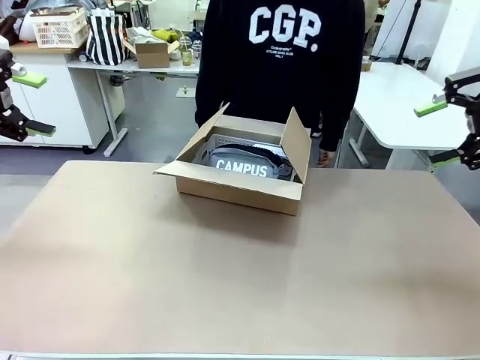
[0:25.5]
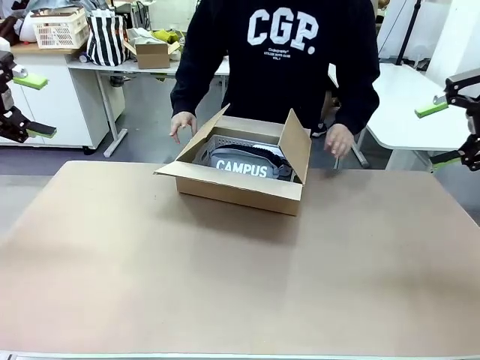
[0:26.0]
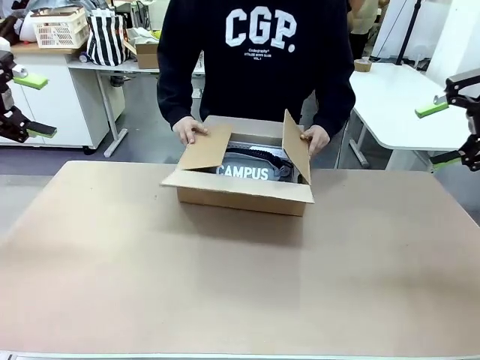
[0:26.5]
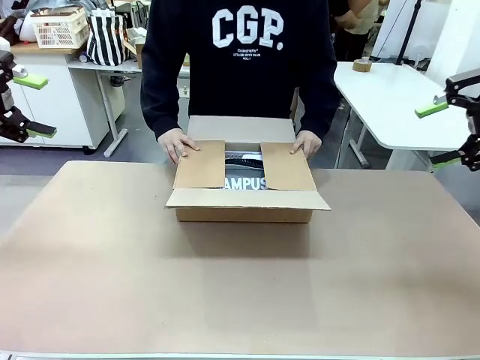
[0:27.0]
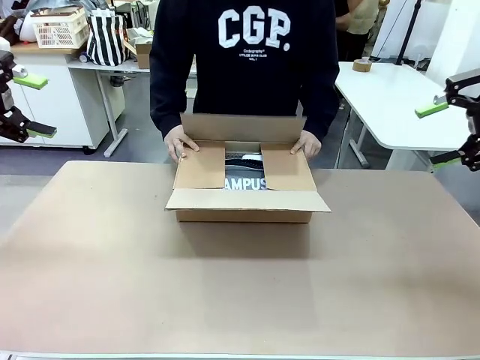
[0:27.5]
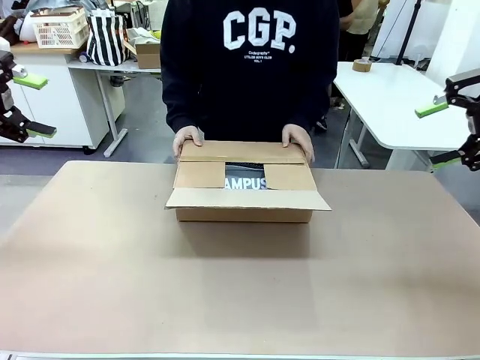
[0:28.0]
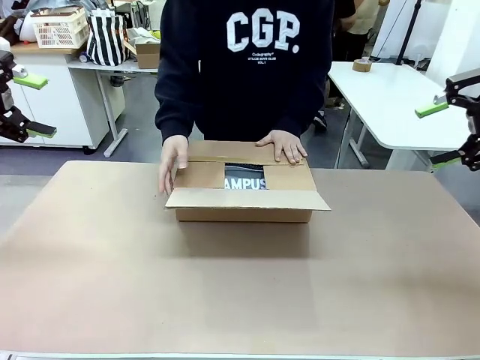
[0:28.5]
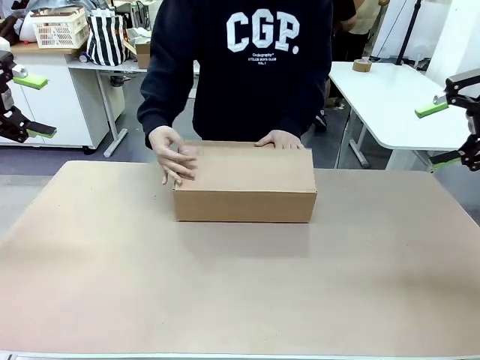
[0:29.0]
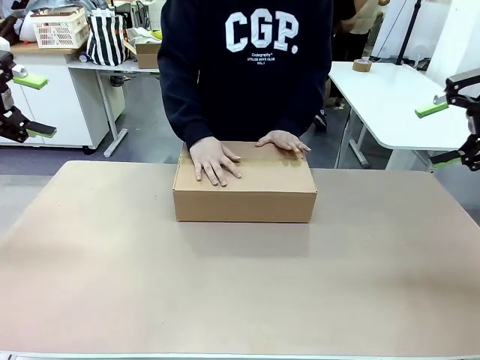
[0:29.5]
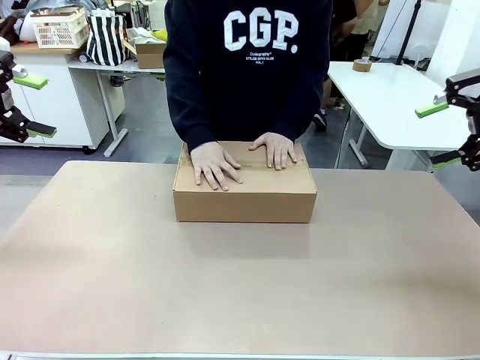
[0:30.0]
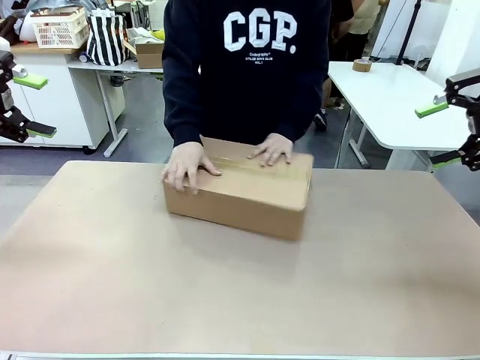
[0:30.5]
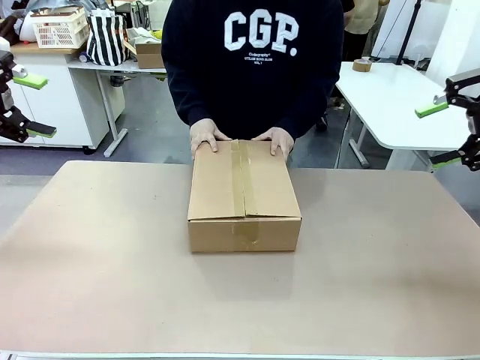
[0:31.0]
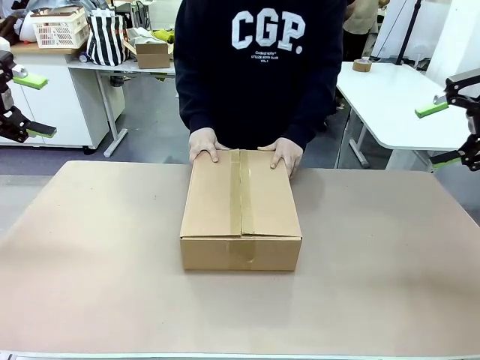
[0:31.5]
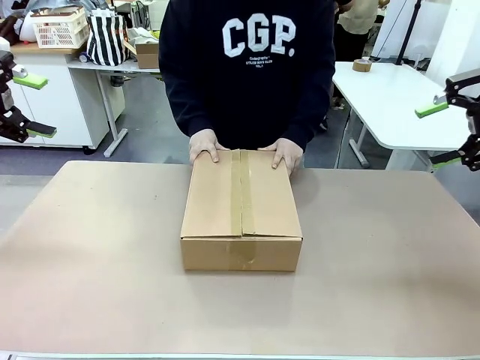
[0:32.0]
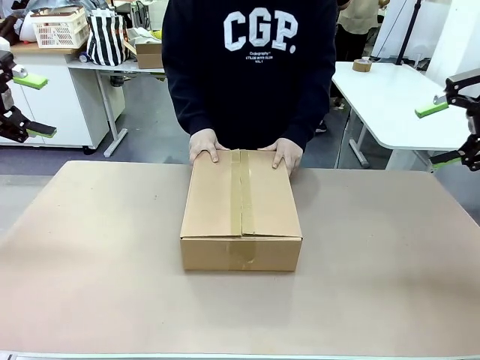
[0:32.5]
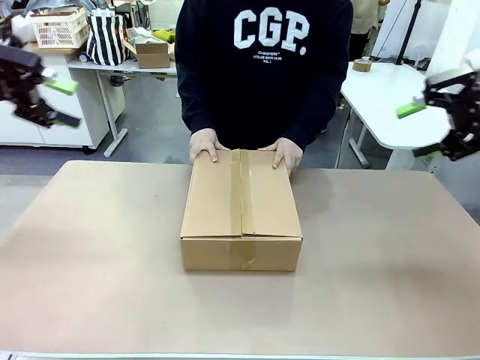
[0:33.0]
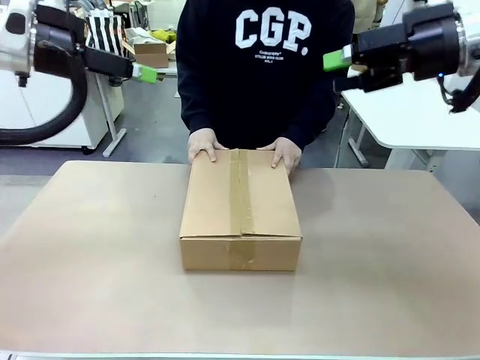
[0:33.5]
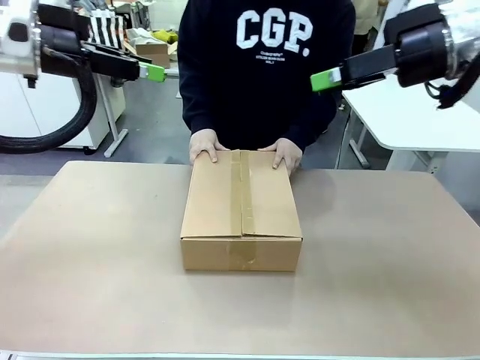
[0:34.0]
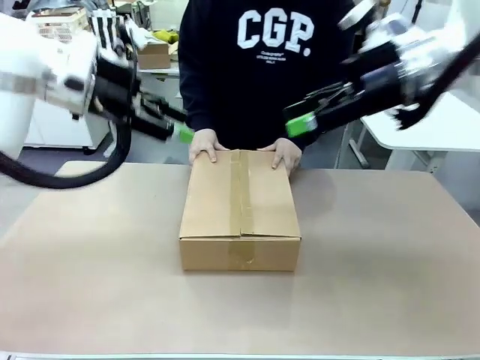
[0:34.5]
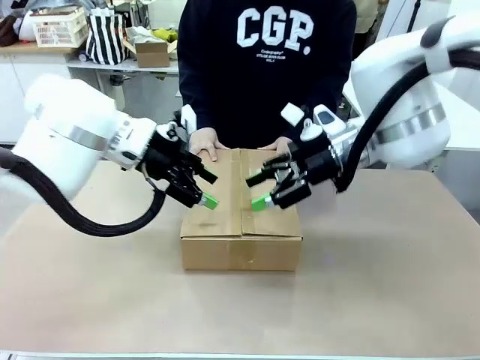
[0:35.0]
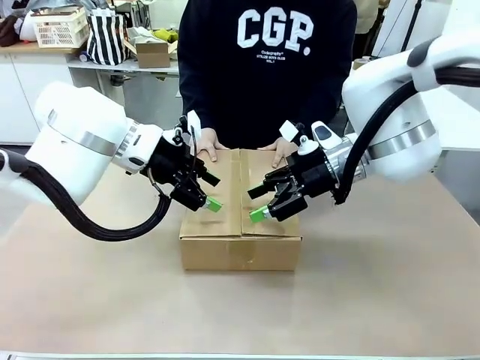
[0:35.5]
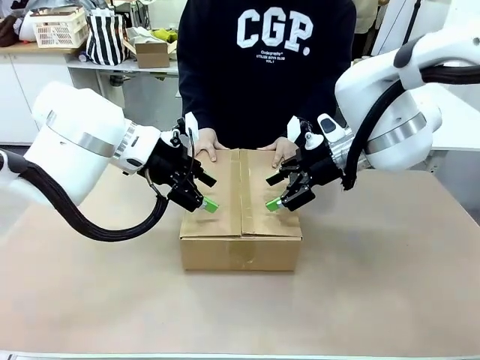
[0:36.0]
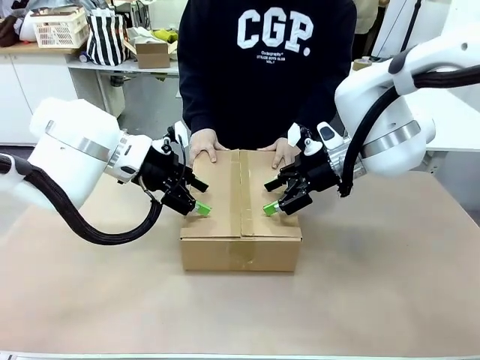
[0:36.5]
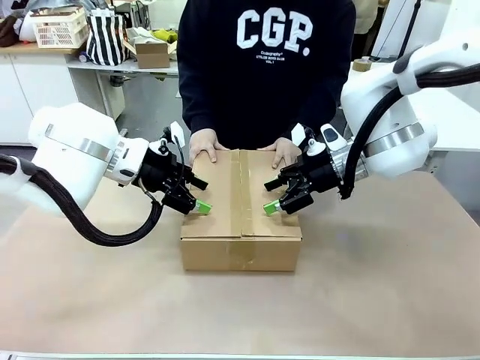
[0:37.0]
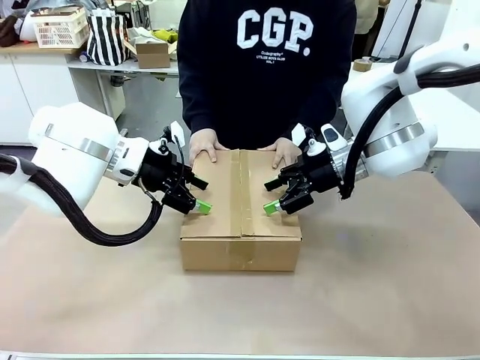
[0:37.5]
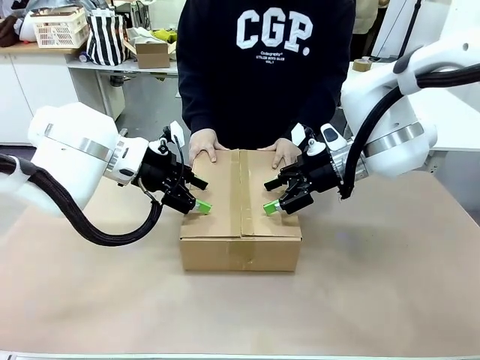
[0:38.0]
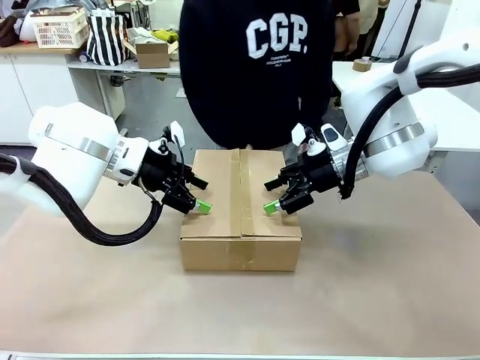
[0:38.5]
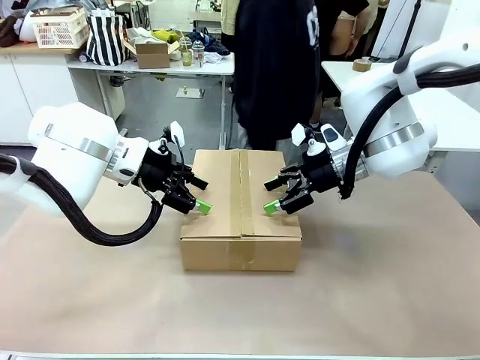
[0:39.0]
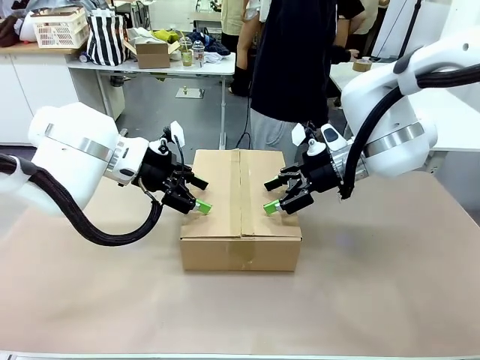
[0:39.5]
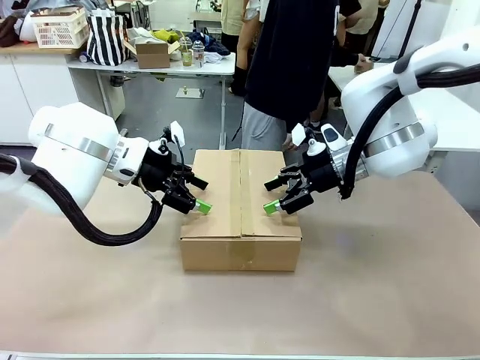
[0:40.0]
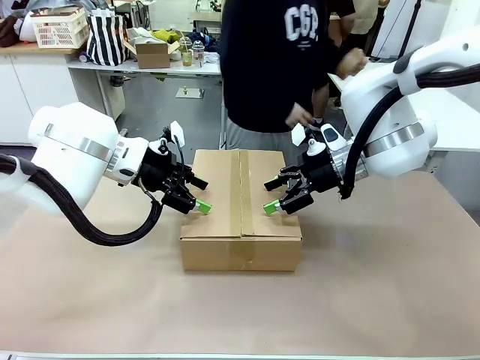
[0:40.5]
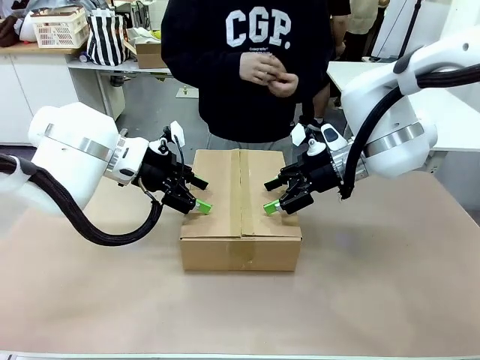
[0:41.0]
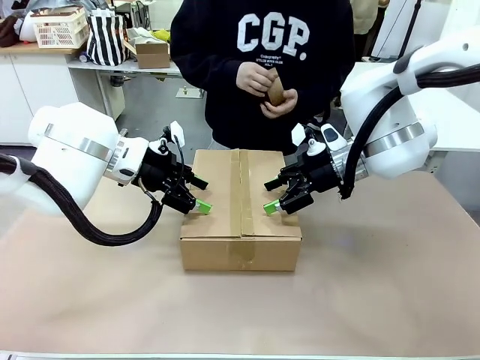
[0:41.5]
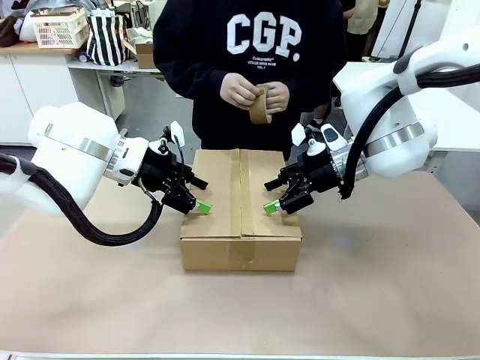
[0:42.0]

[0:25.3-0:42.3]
Task: Pack the gift set into the box.
Robot: Press and hold the closed box until the human finishes sealing it.
Person: The human closes the box and rotates the box by 90 degrees.

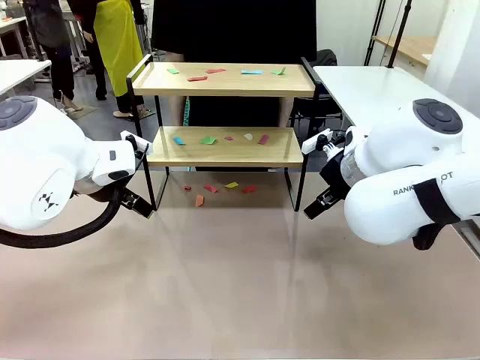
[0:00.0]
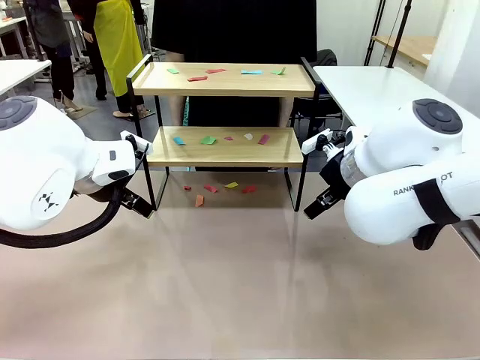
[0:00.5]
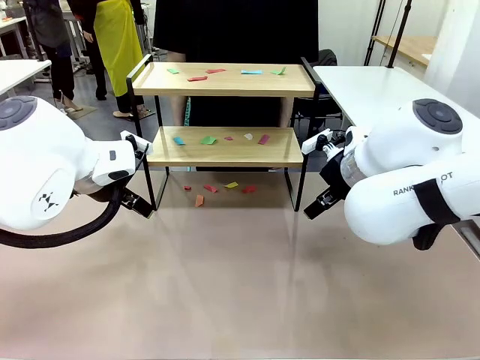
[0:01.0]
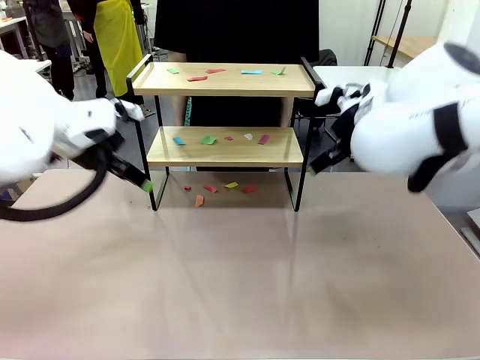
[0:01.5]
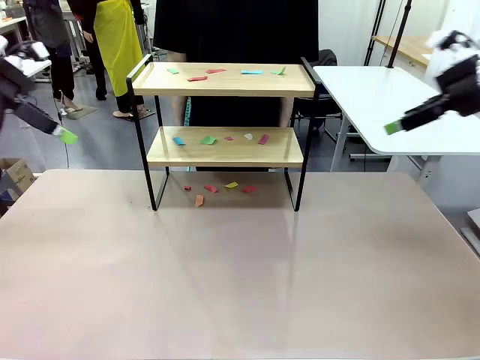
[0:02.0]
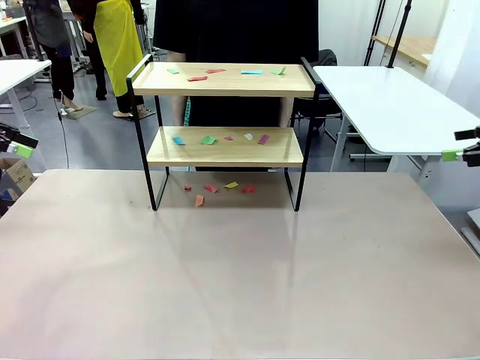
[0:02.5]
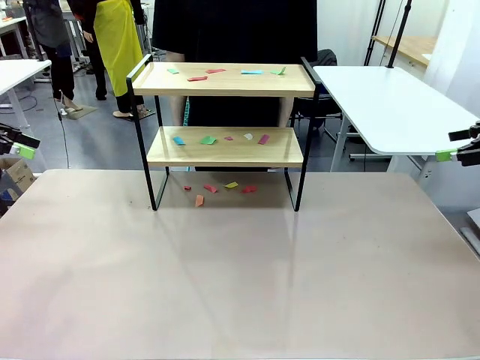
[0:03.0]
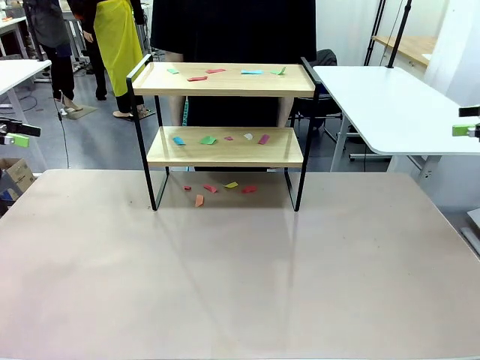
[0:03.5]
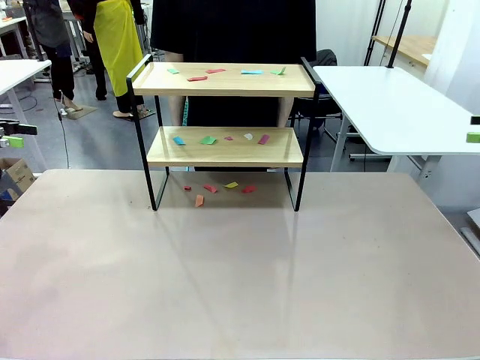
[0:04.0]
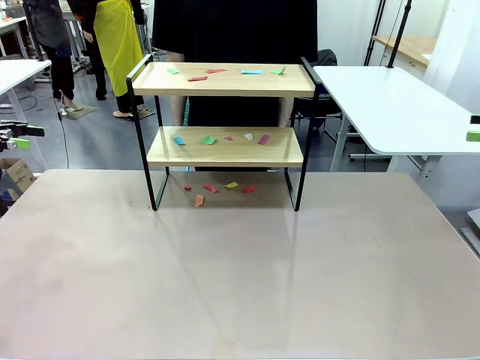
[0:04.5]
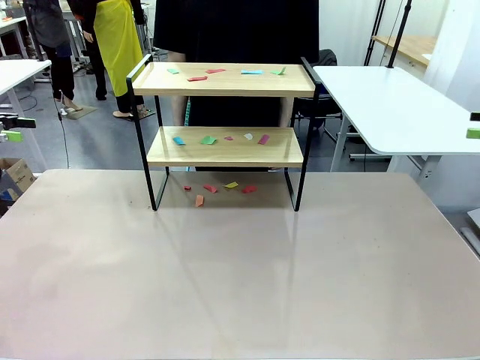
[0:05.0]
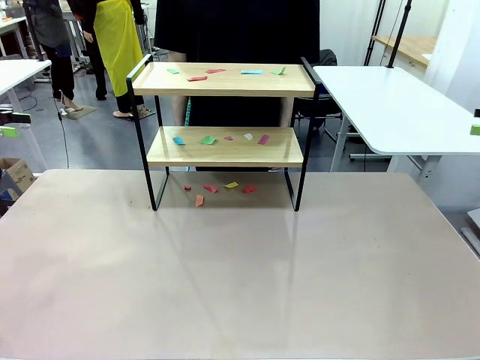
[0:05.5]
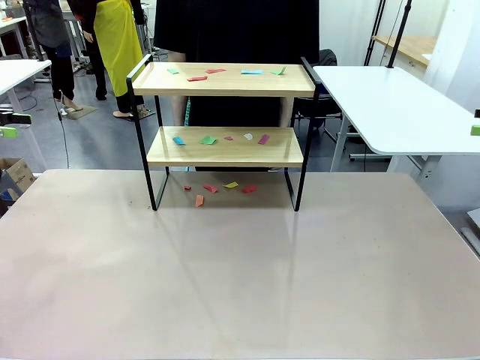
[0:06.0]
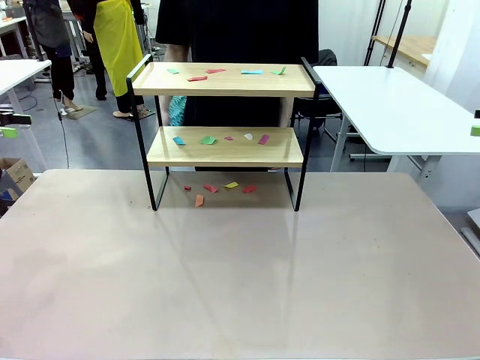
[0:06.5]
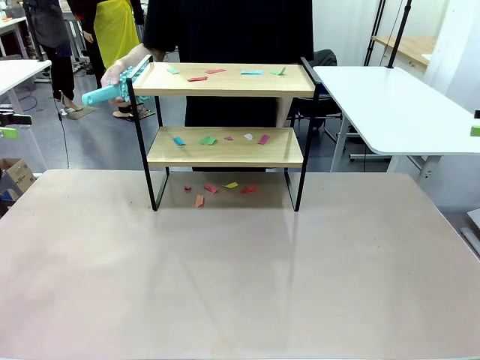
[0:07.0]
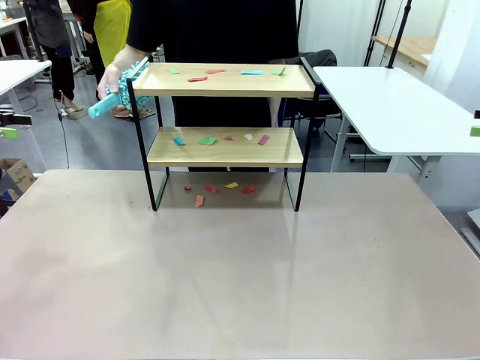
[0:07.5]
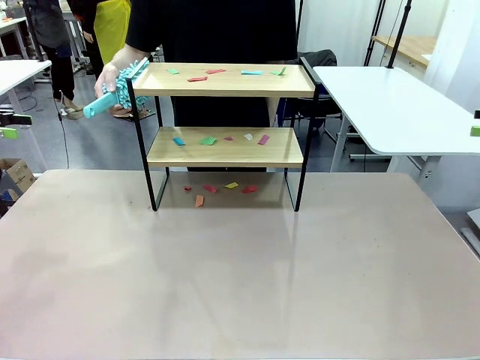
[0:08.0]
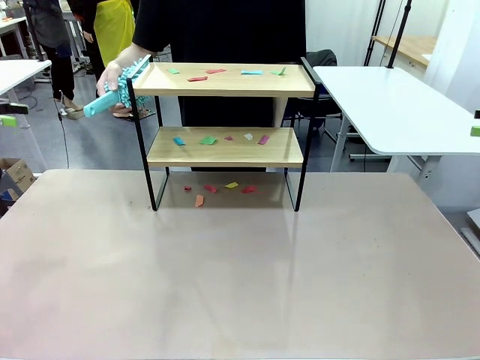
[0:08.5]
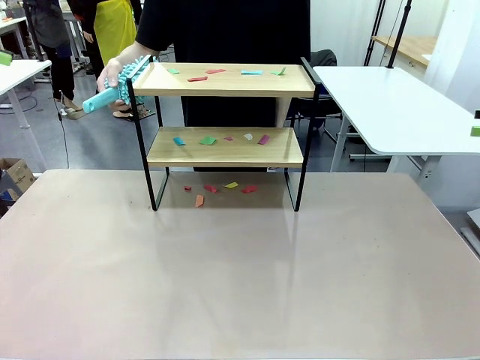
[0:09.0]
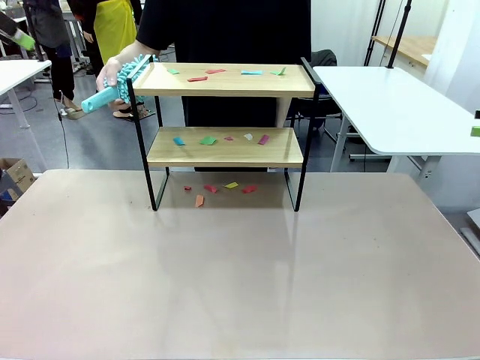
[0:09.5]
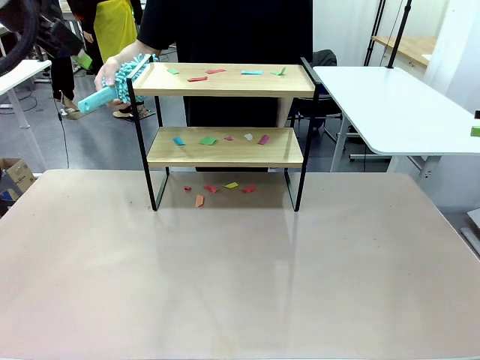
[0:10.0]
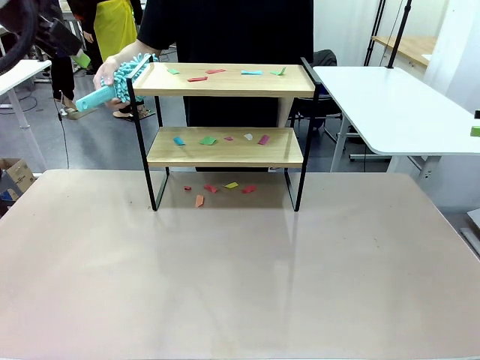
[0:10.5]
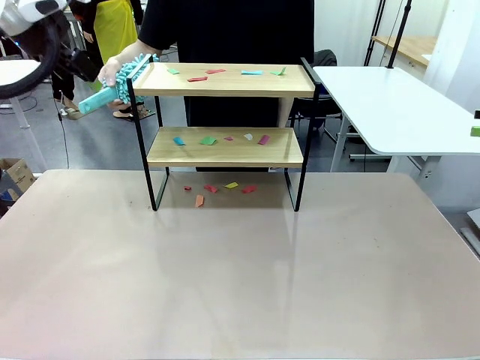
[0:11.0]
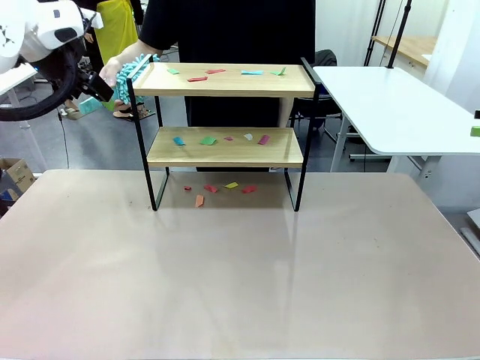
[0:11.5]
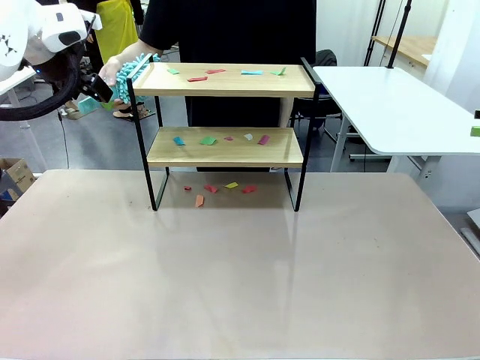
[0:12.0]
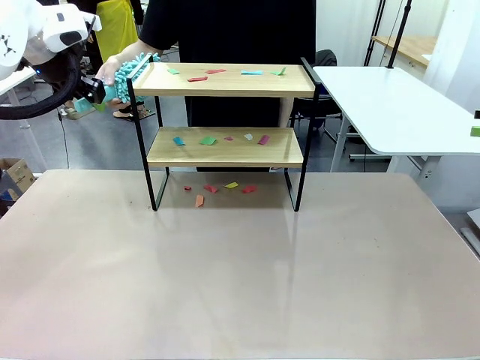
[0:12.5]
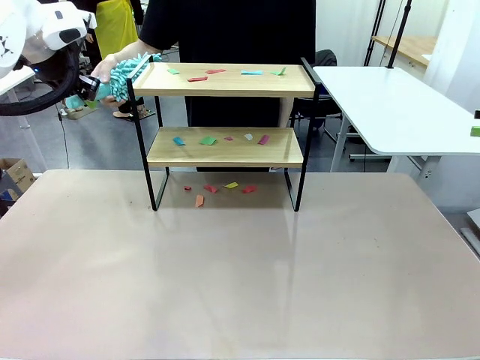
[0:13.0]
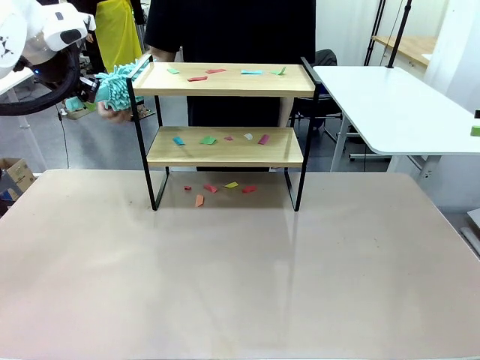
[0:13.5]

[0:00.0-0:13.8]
Task: Clean the shelf.
Robot: Pick up the Duster handed by the human.
Person: Hand the Duster to the robot.
